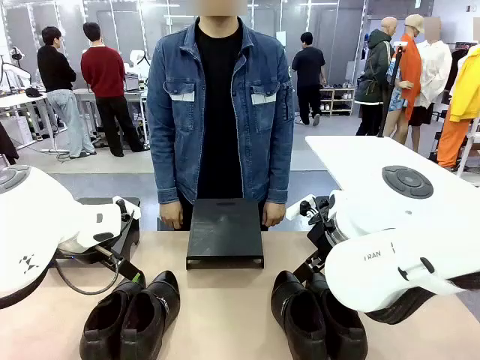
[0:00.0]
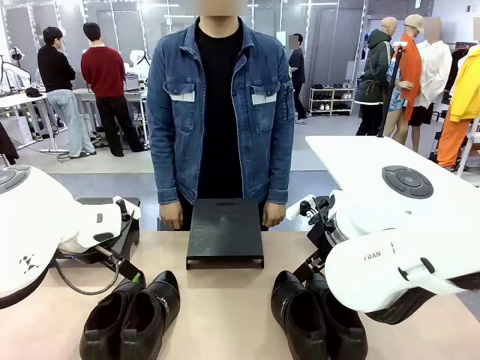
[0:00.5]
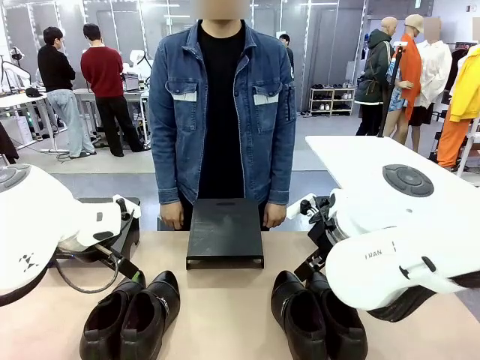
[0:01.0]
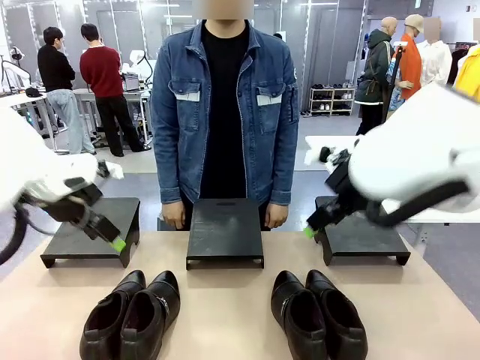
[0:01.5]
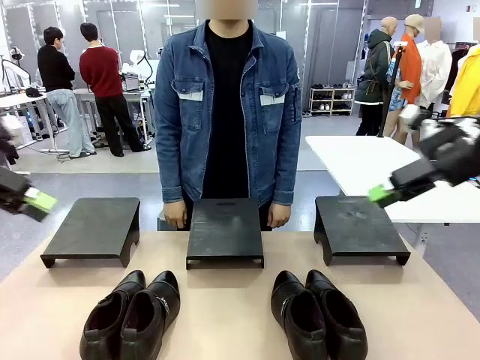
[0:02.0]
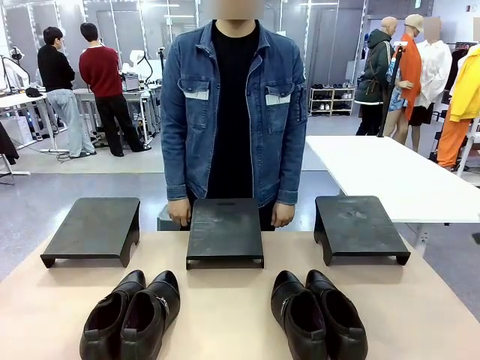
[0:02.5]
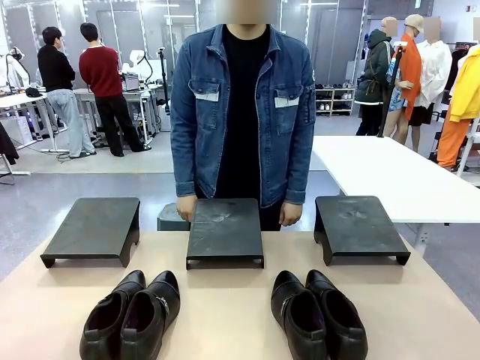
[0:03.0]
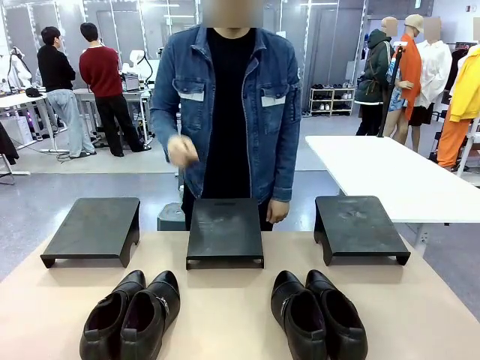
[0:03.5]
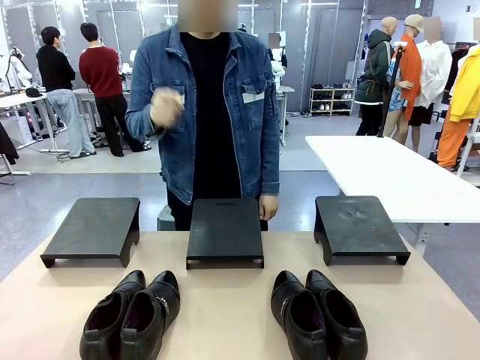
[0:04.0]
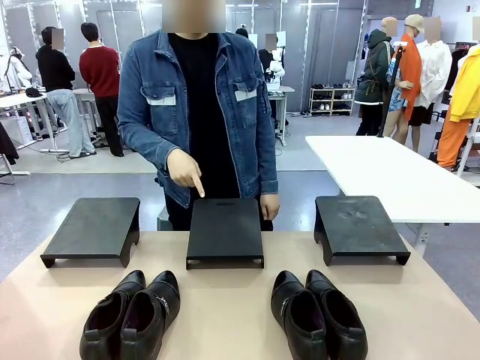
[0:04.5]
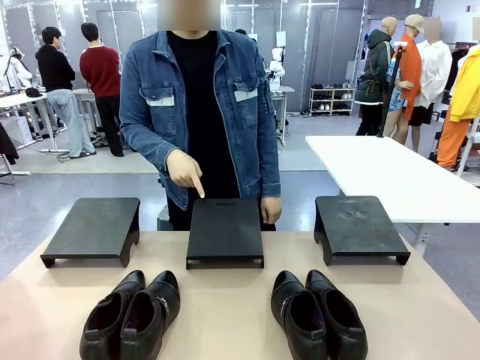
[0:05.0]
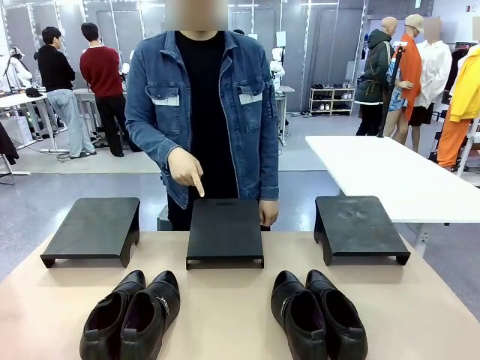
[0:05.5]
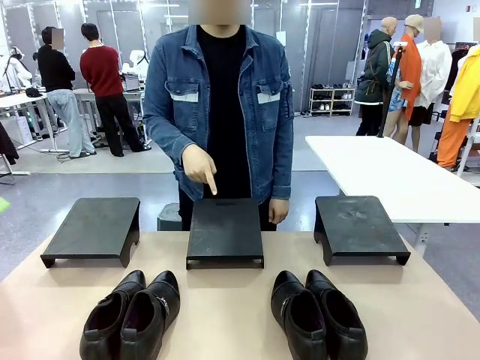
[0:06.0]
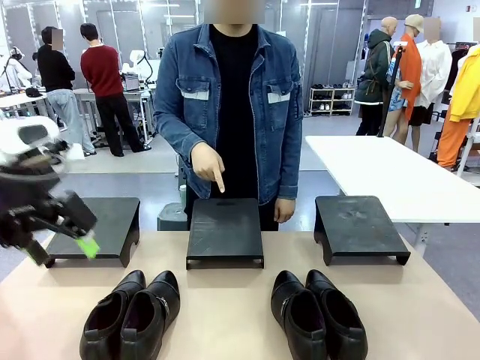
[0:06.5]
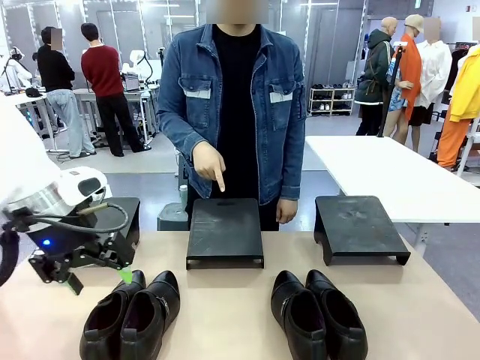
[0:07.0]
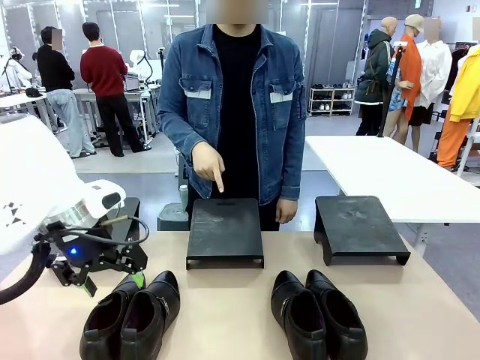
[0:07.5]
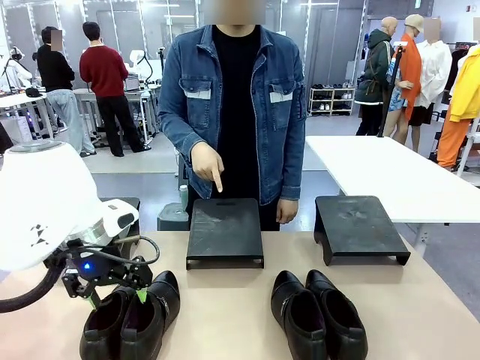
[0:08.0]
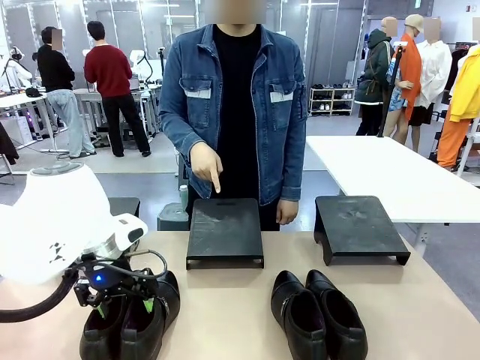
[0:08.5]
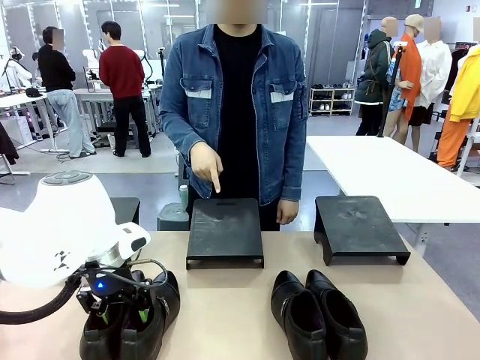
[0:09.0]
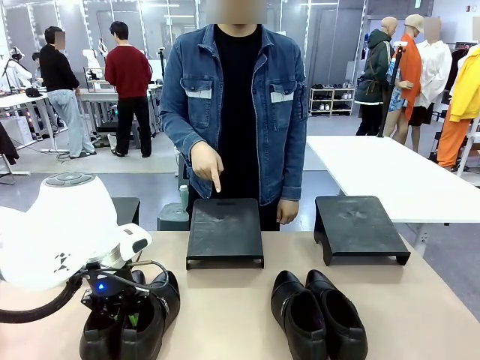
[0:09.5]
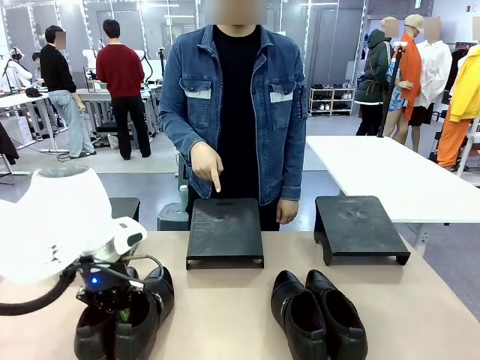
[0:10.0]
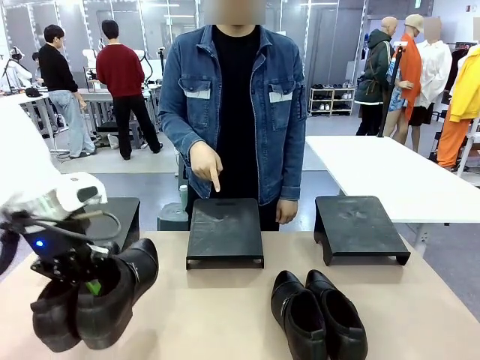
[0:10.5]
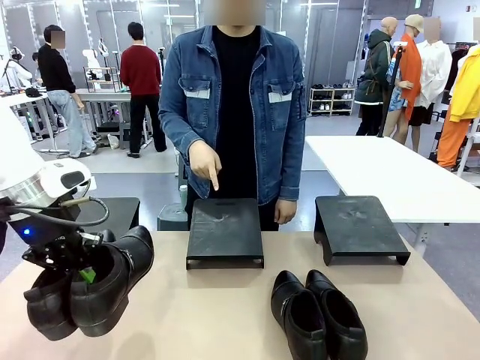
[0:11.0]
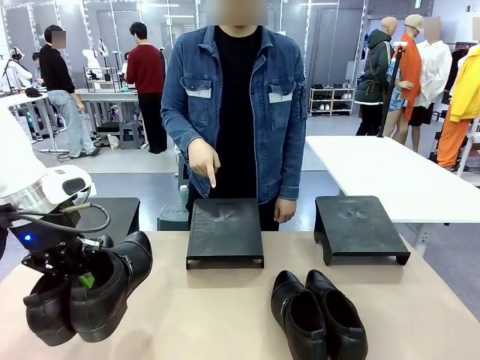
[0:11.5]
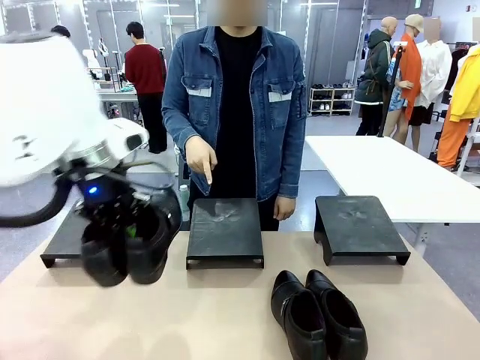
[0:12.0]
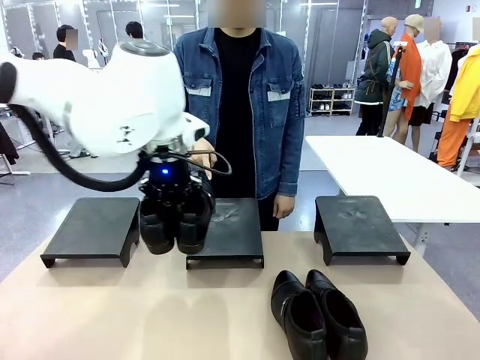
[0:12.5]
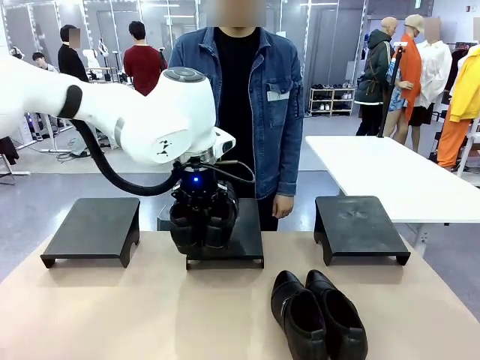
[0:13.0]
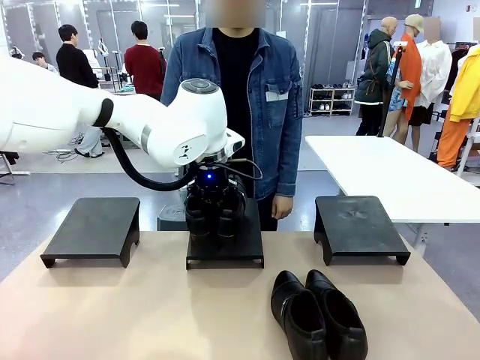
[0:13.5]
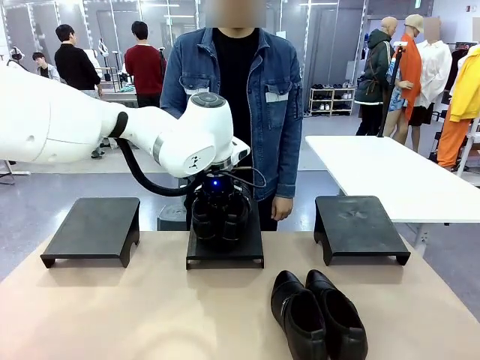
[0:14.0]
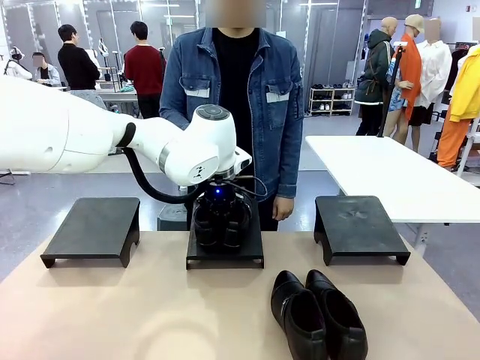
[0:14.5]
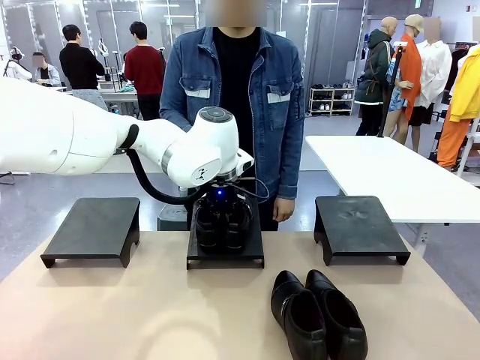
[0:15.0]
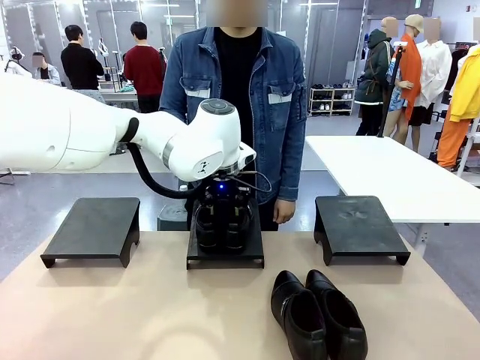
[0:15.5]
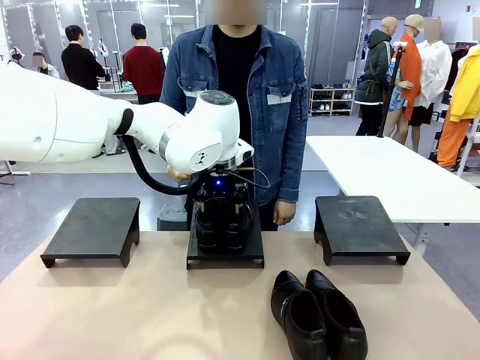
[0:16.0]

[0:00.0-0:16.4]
Task: Place the shoes on the stand as instructed by the person.
Robot: Pick up one pair of Shoes and place it on the Shoes Stand indicated by the person.
